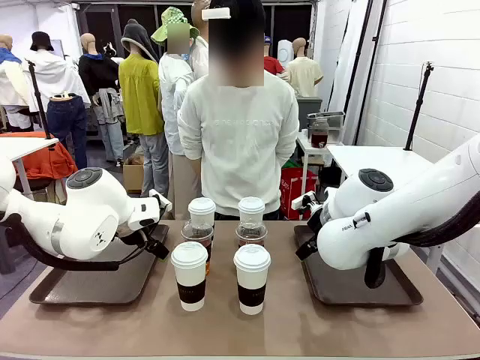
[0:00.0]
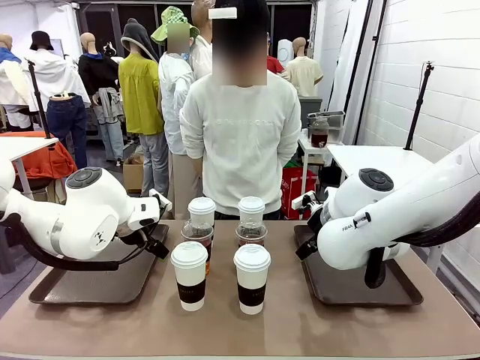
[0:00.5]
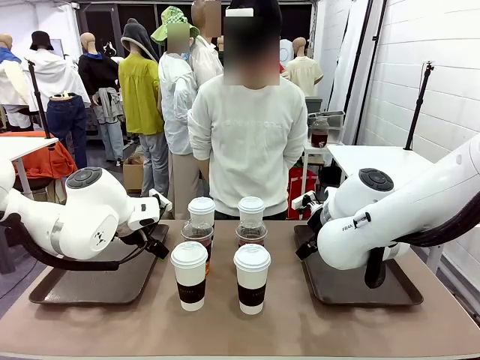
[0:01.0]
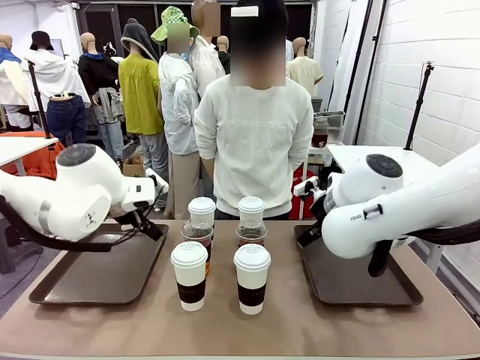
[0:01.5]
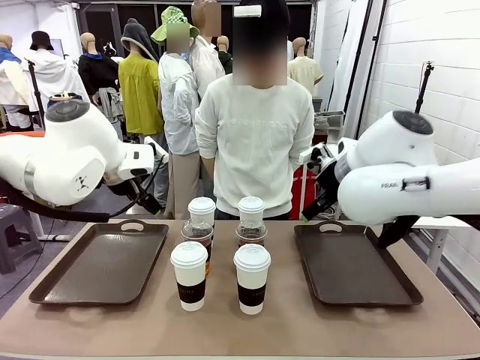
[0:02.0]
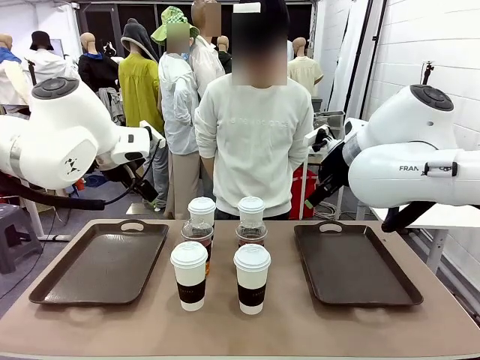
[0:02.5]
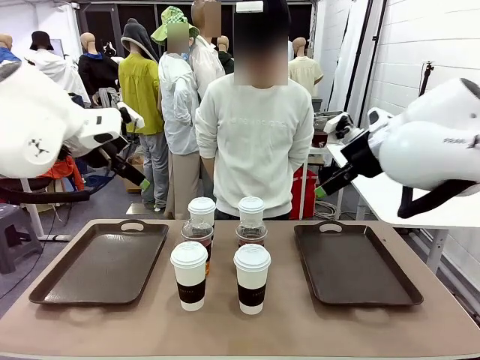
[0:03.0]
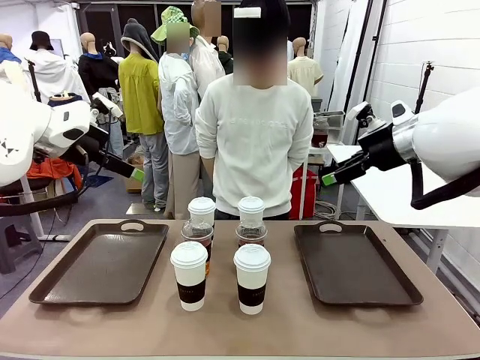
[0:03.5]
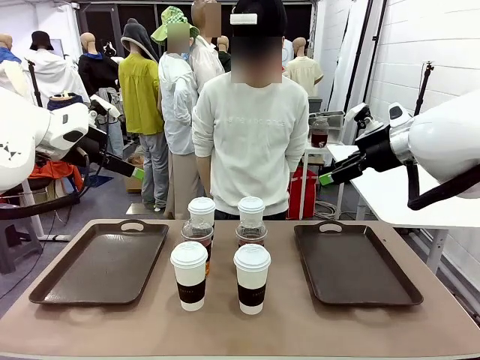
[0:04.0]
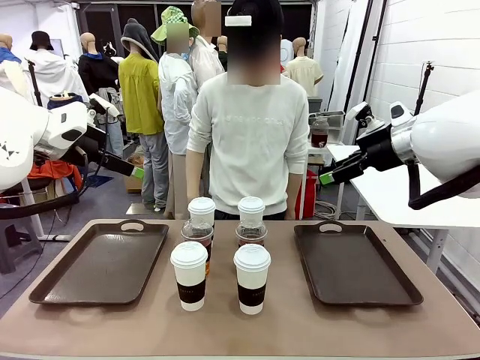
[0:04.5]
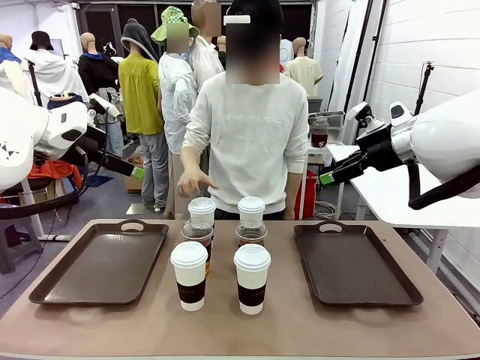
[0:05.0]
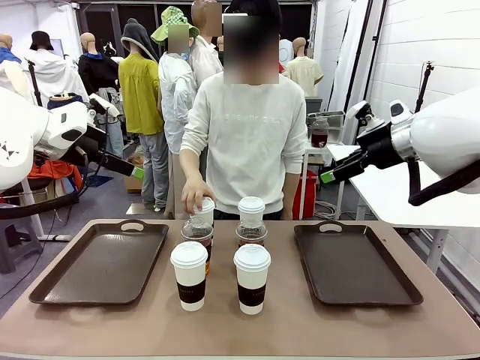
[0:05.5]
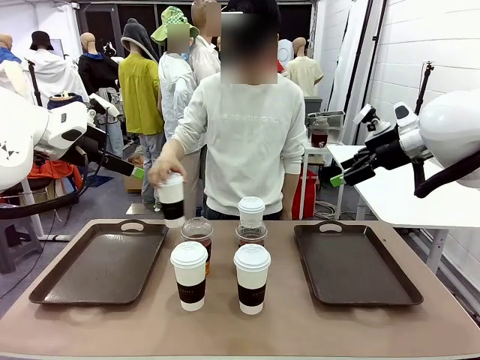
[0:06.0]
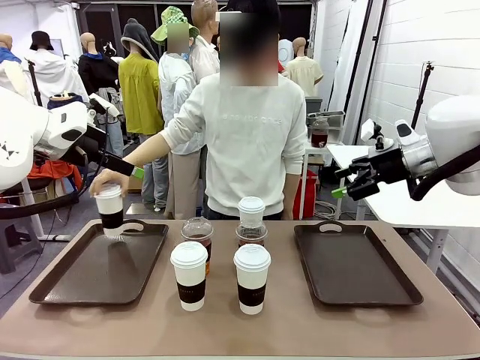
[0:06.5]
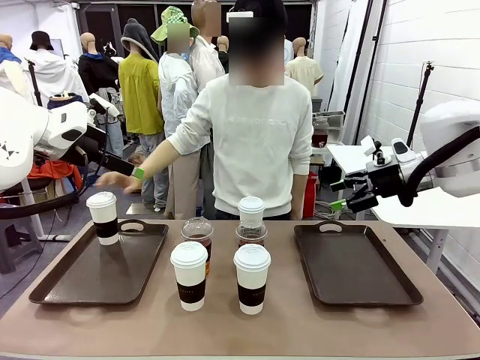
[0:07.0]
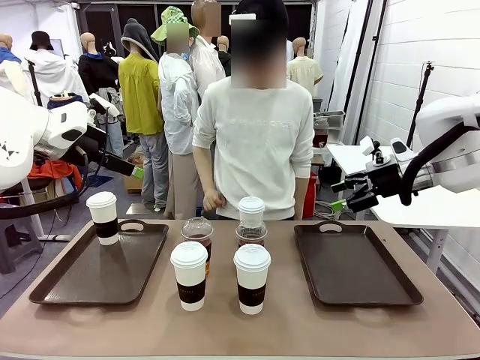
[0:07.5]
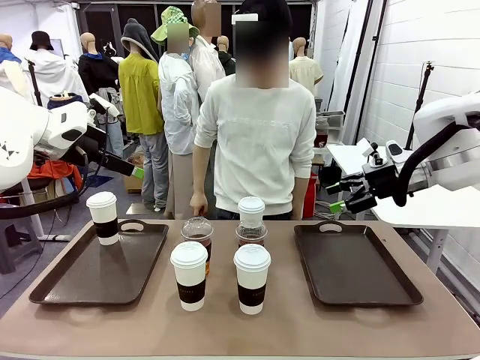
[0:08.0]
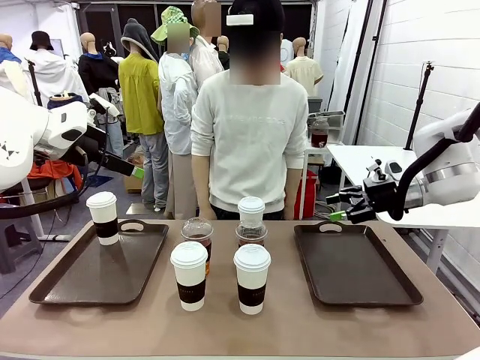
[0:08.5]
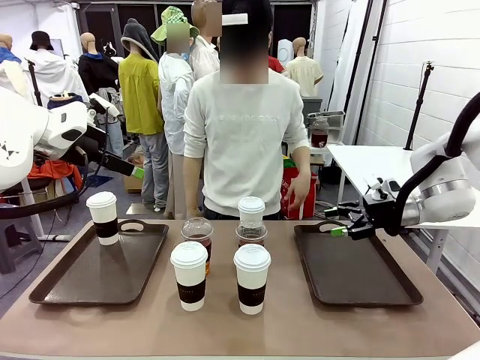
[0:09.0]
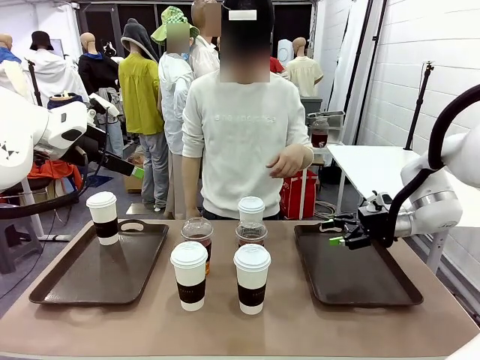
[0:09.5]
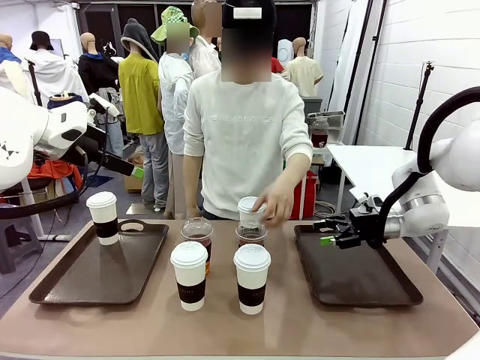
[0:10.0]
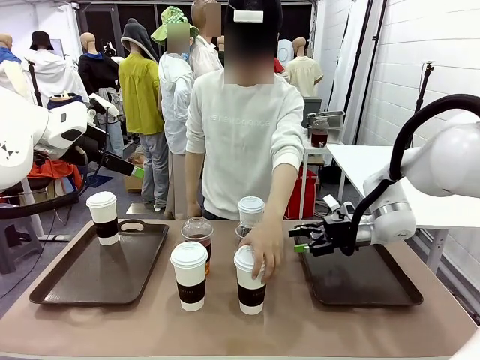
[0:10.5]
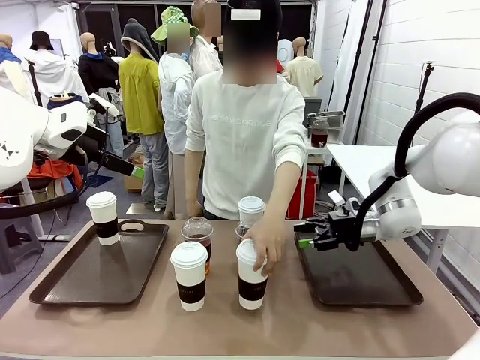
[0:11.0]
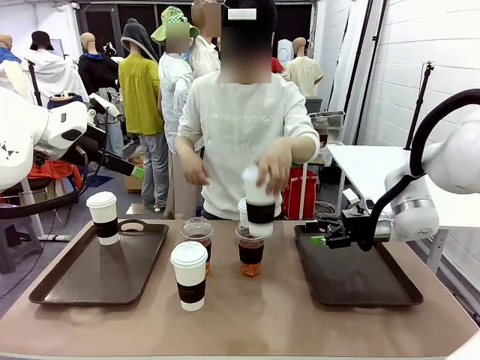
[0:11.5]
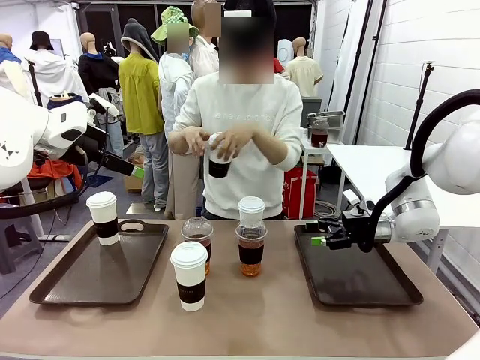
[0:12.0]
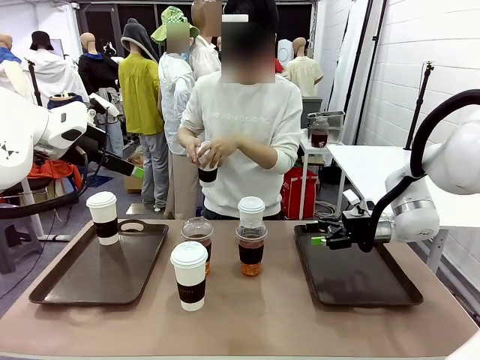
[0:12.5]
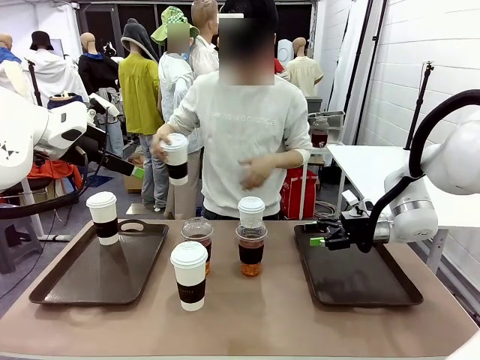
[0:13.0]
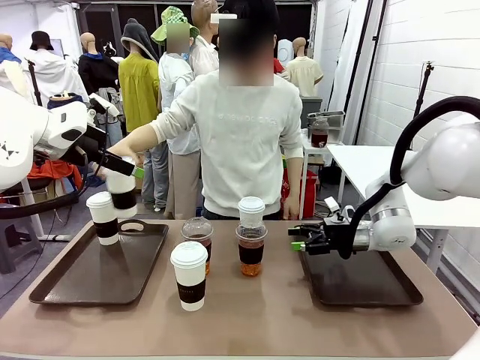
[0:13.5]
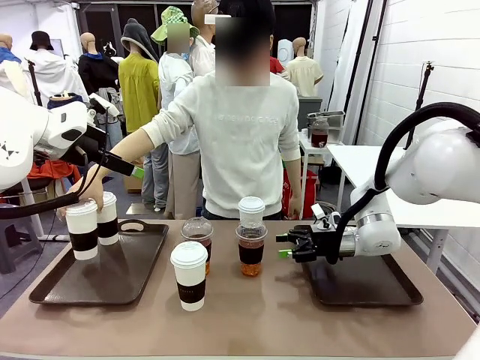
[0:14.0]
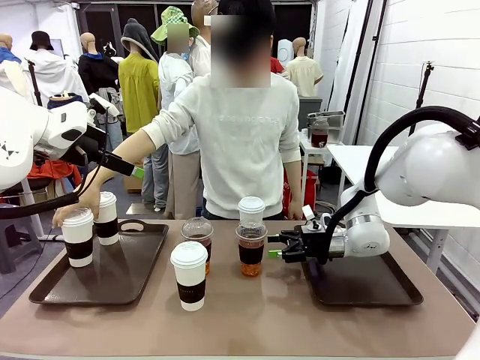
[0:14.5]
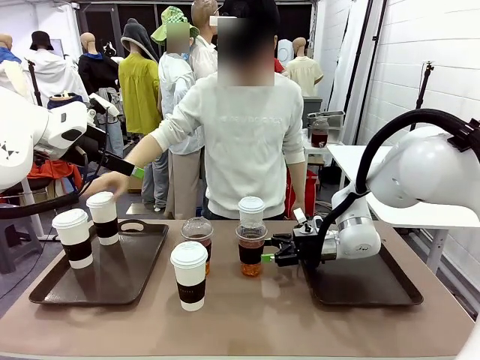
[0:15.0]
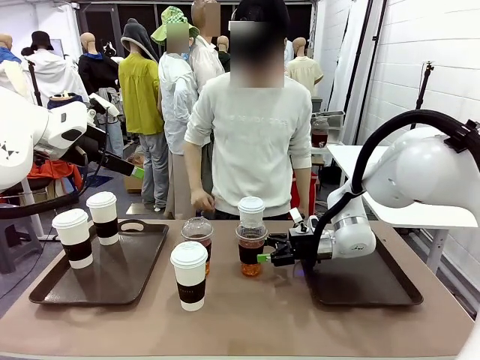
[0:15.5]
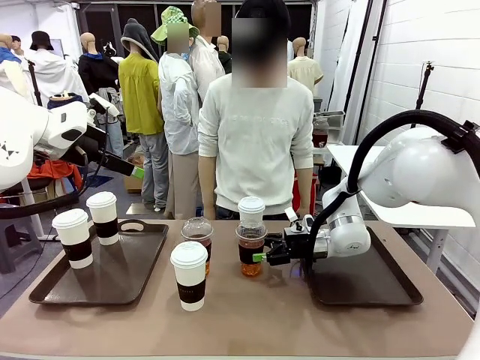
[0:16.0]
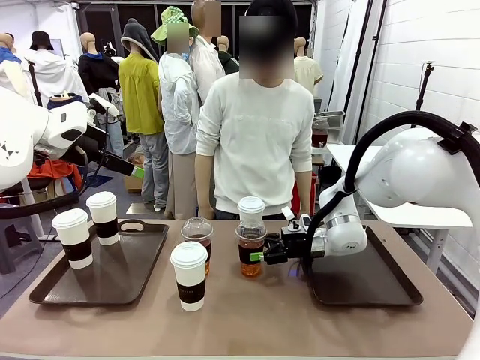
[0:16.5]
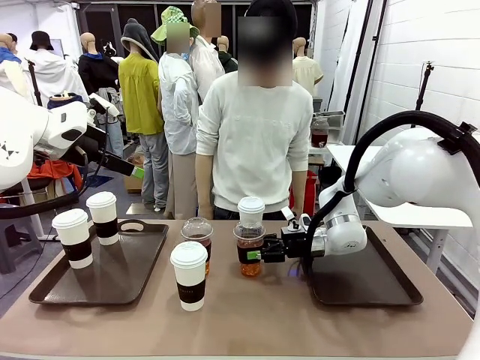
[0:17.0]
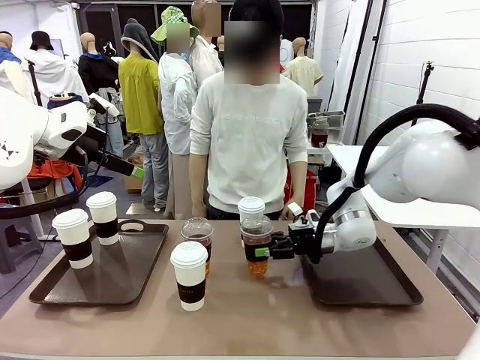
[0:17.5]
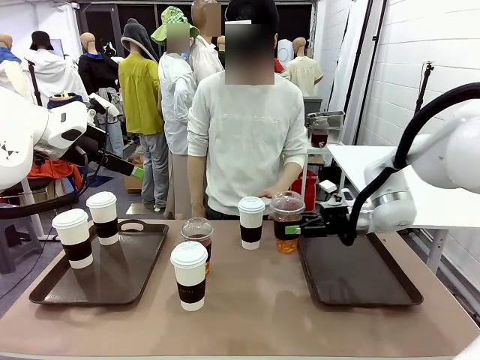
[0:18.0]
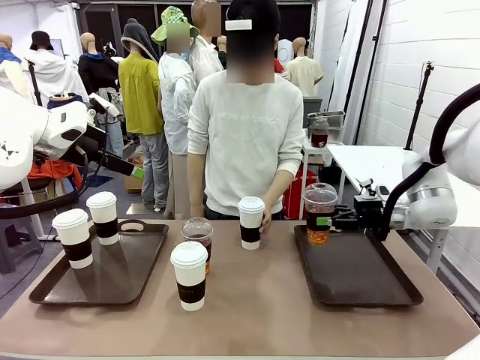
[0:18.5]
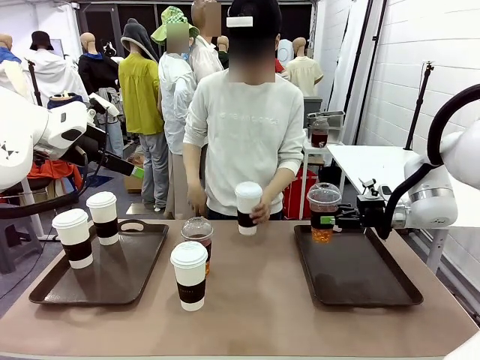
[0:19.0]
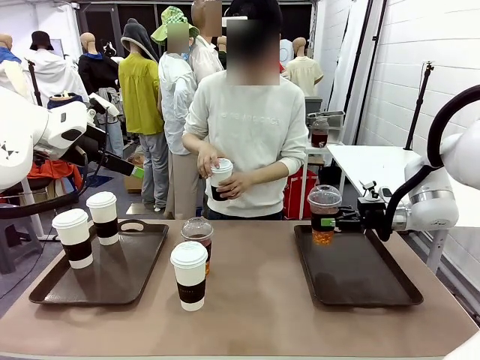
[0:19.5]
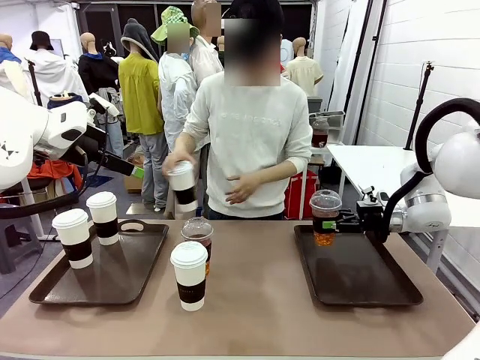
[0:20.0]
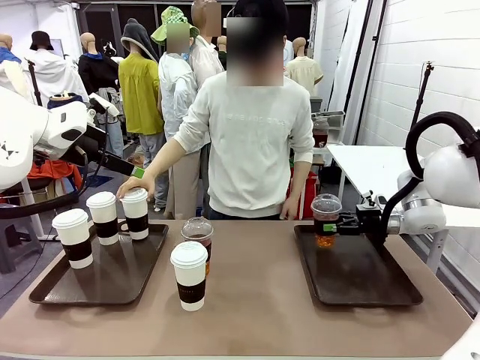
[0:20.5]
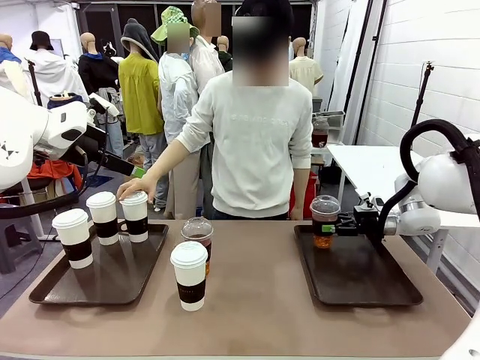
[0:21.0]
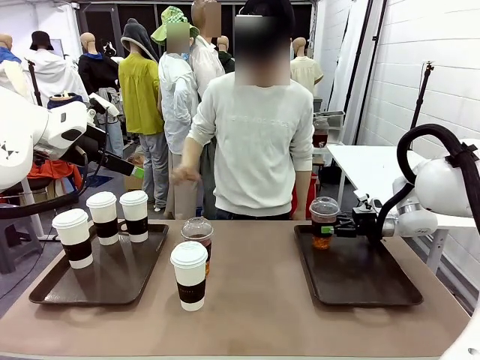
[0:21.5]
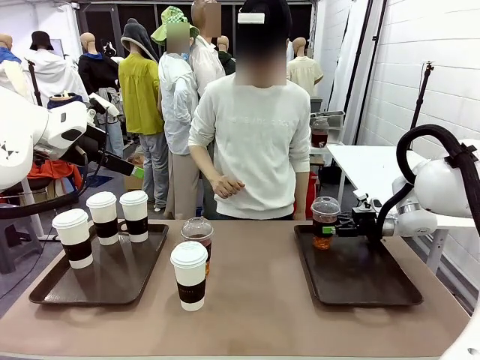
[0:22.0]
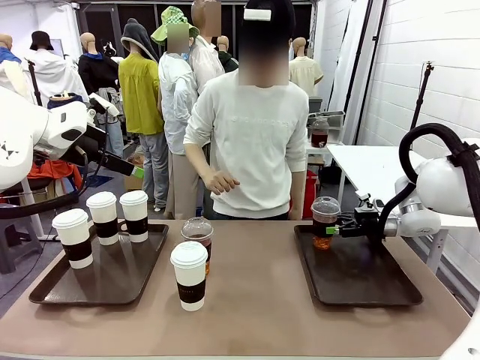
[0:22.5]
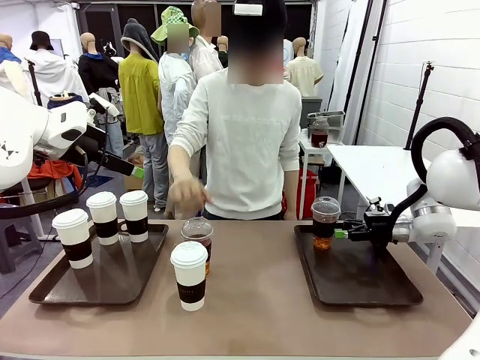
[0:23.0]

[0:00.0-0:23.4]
Task: Distribute the coffee onto the tray.
Robot: Pick up one iced Americano and place it on the right Handle tray.
Person: Pick up a cup of hot Americano and place it on the right tray.
